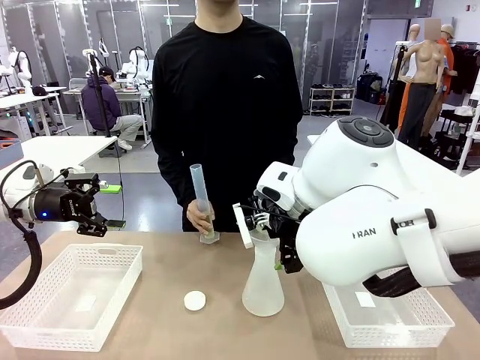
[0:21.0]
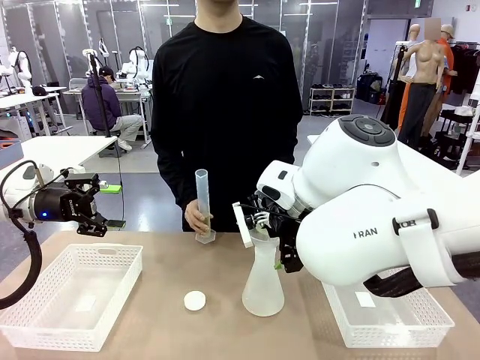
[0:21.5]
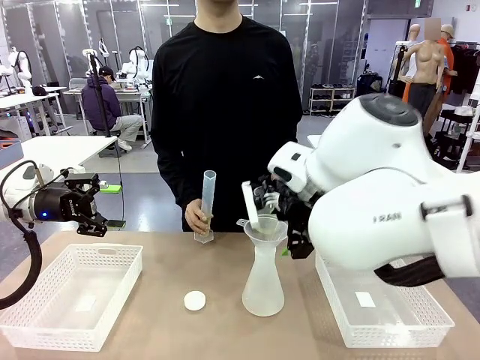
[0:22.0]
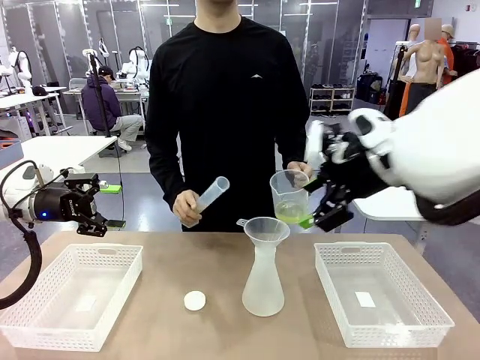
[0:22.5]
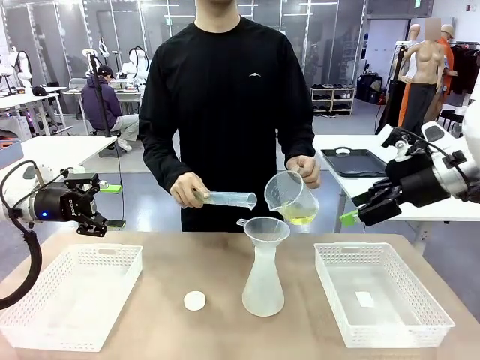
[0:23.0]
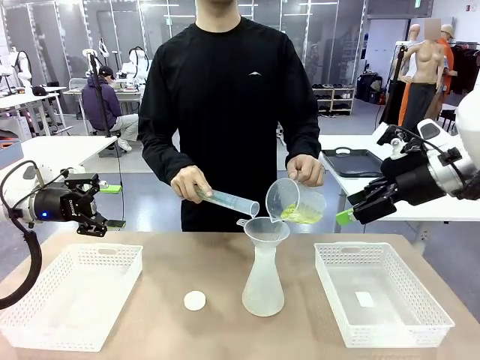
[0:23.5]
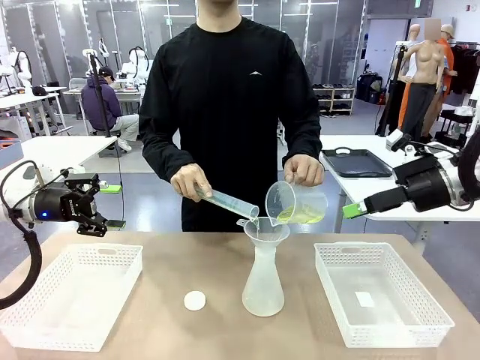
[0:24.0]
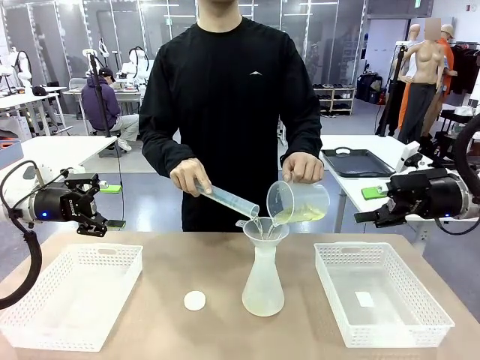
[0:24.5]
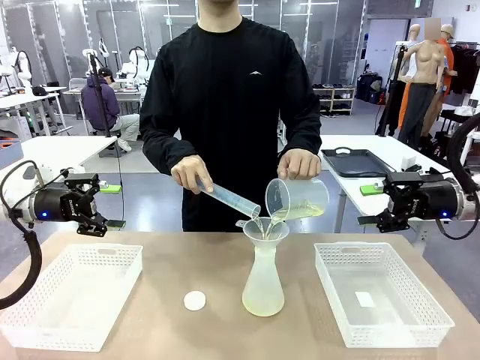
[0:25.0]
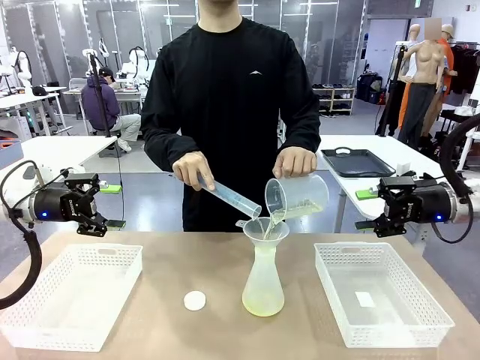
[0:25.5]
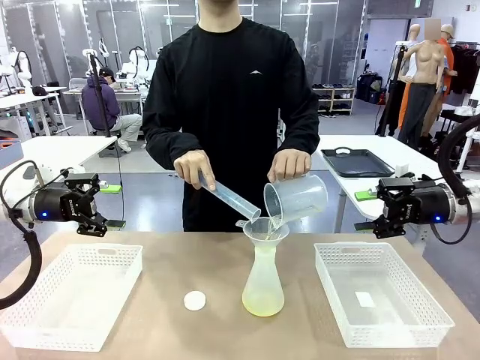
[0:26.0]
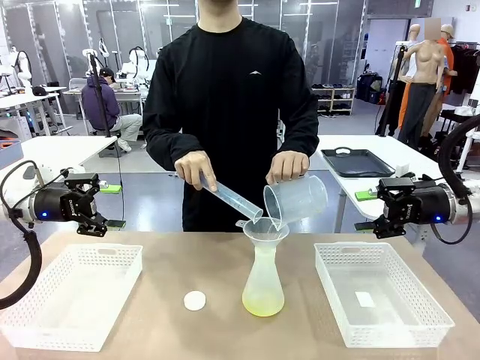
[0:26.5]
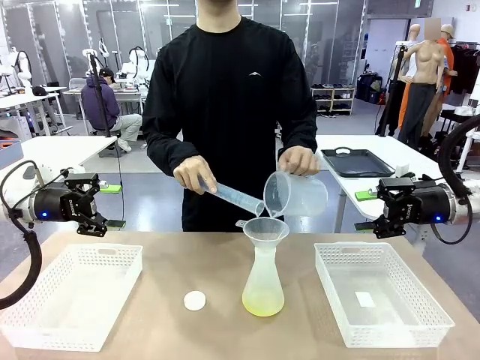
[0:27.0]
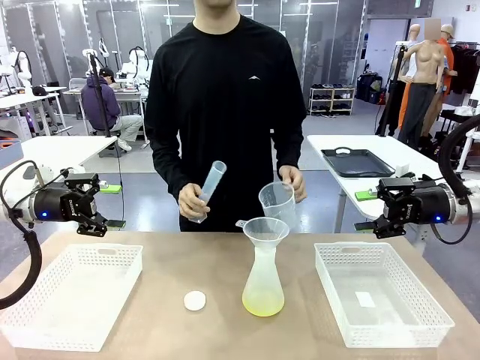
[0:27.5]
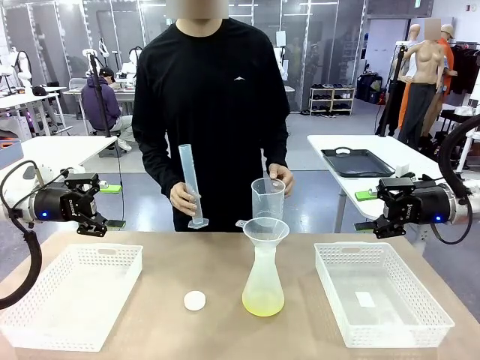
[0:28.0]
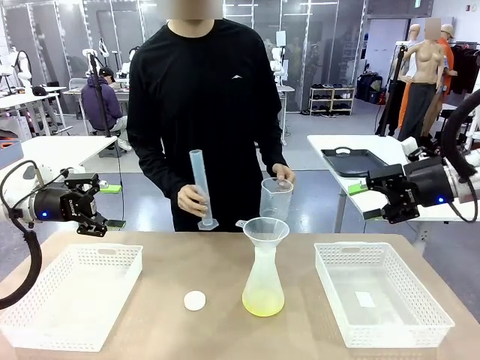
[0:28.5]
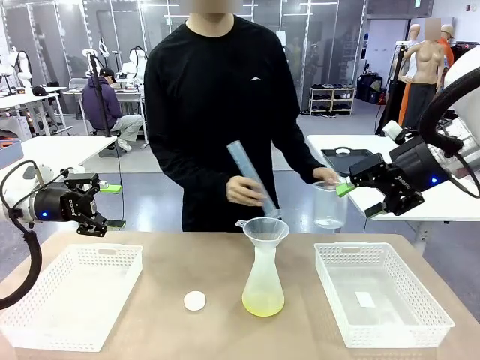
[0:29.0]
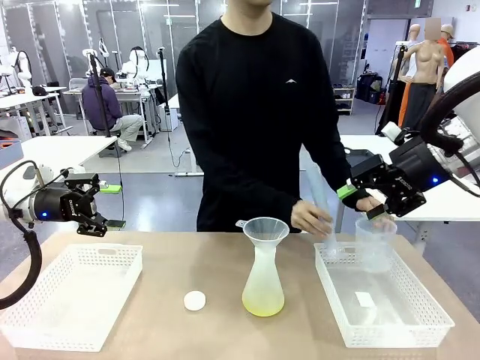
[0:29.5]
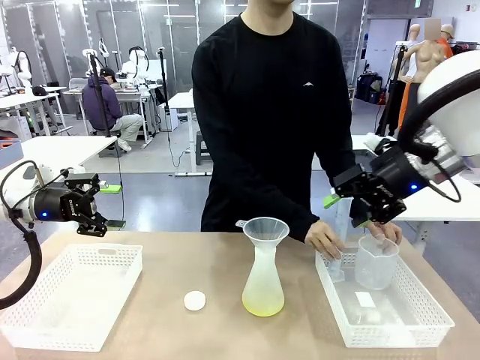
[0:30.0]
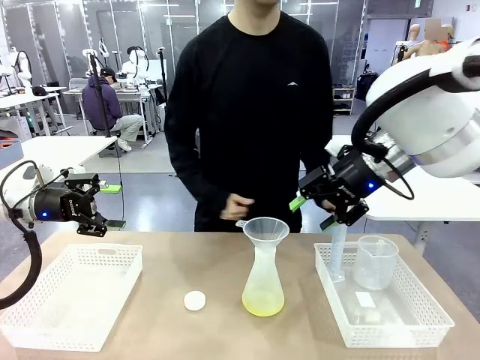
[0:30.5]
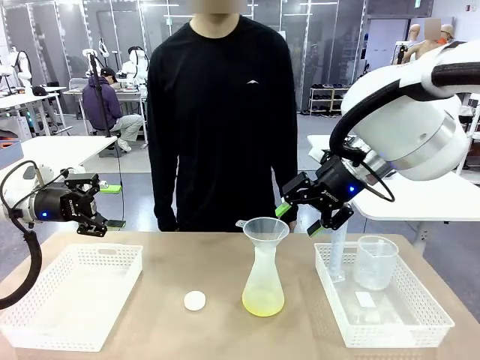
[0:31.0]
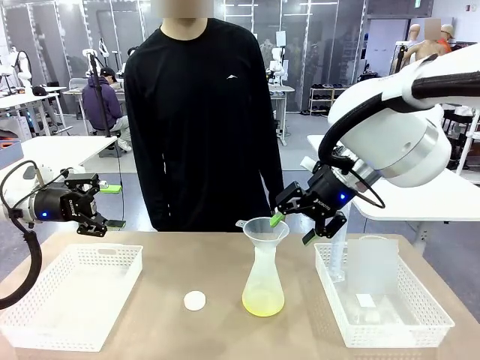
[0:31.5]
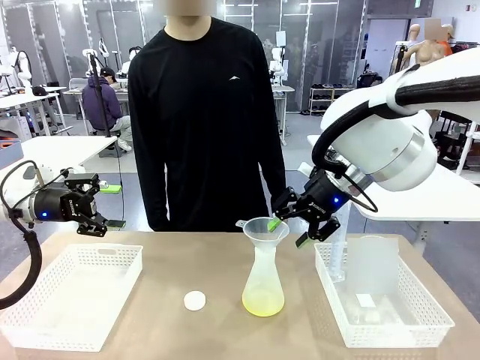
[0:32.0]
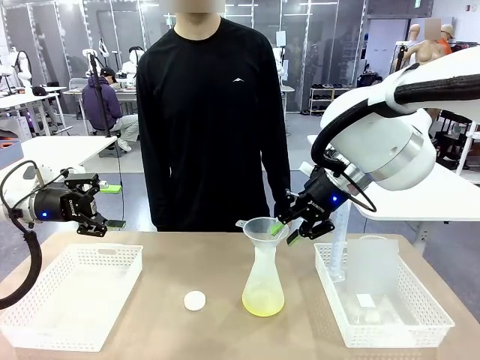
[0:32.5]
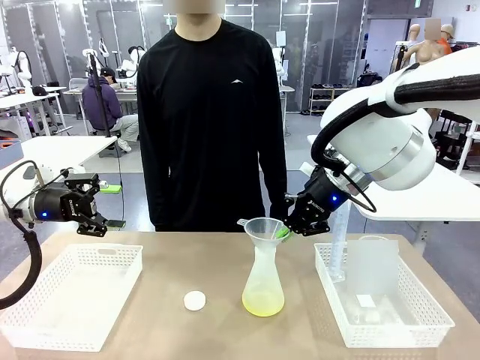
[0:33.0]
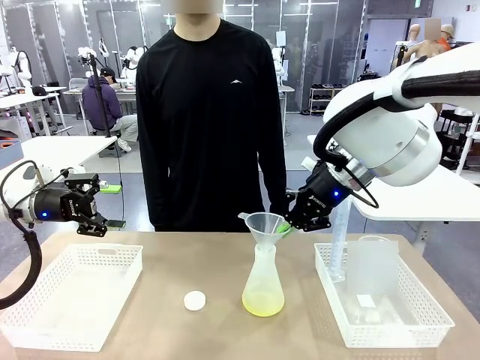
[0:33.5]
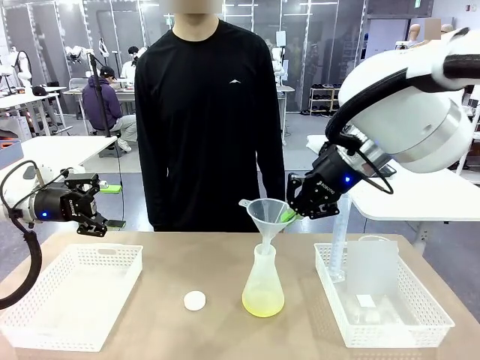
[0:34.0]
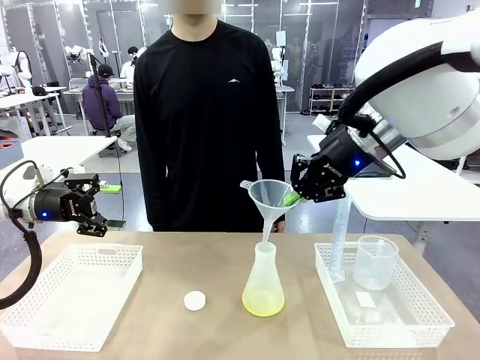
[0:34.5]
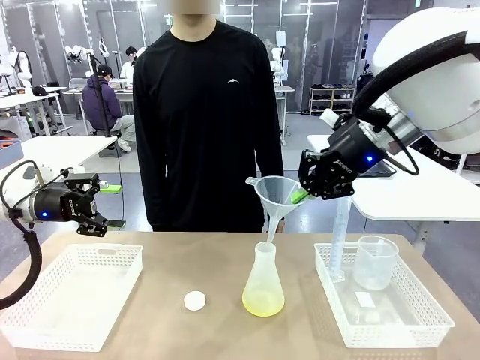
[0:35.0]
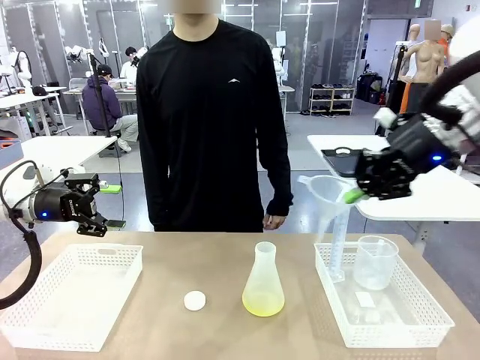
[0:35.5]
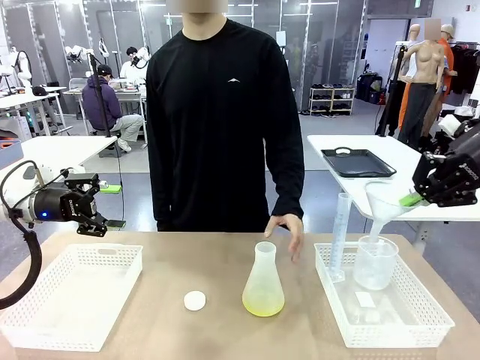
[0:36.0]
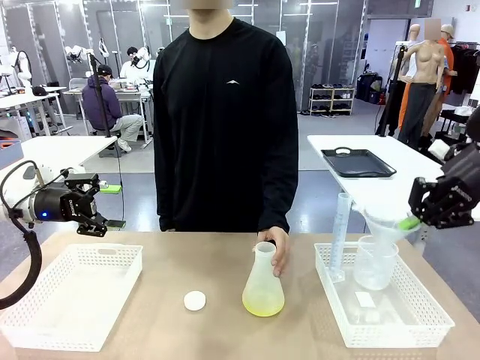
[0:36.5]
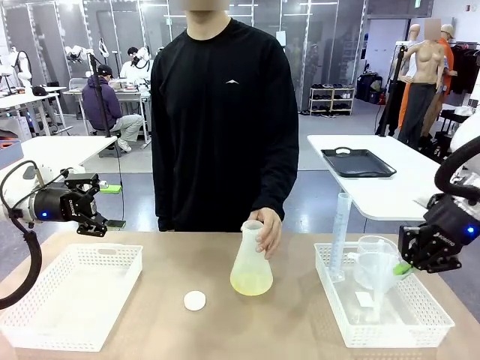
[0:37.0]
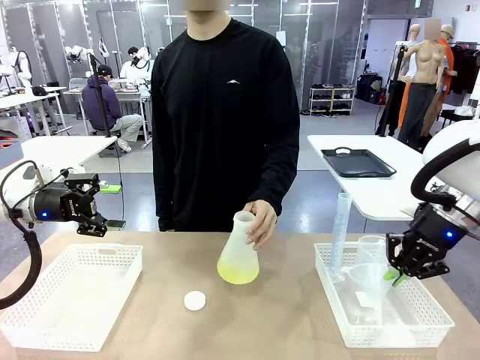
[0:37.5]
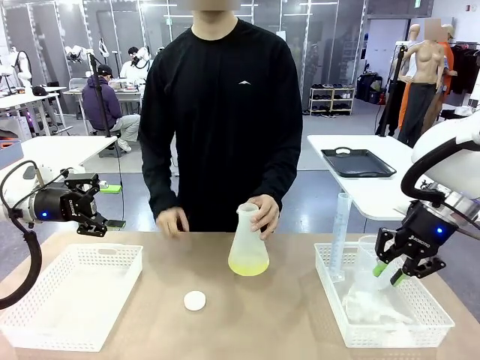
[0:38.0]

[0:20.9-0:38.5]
Task: Prepare the solutions needed for the experiment.
Robot: Once the solution is in the Big flask , pick up the Plastic Funnel and place it back into the right Organizing basket.
Person: Place the beaker and the cylinder into the organizing basket on the left side. Pick up the flask, gently shake it 2–3 times, place it in the middle of the robot table, and close the lid.

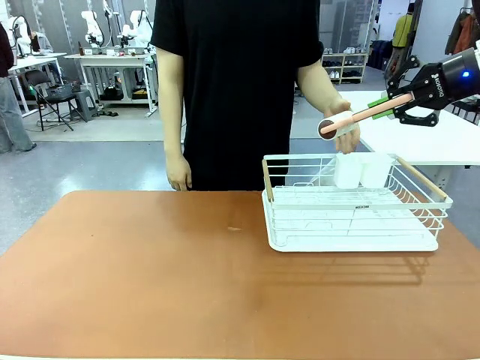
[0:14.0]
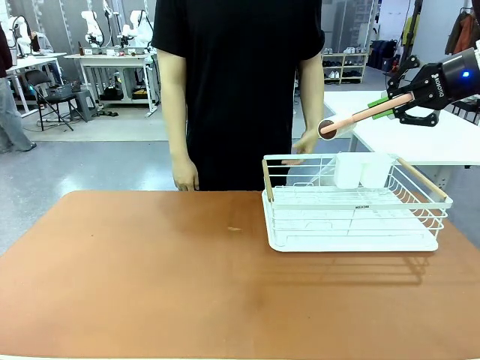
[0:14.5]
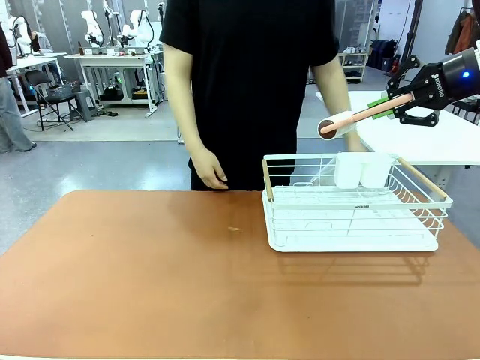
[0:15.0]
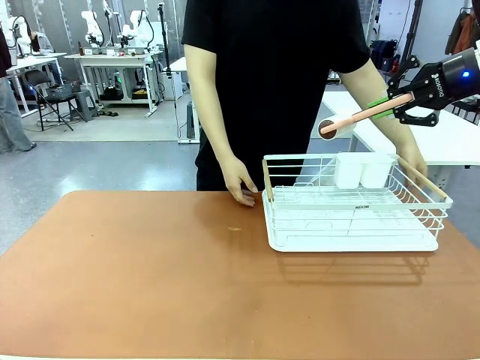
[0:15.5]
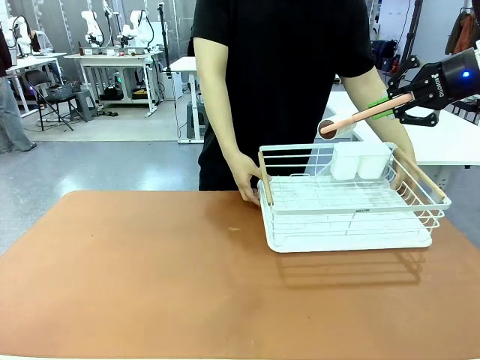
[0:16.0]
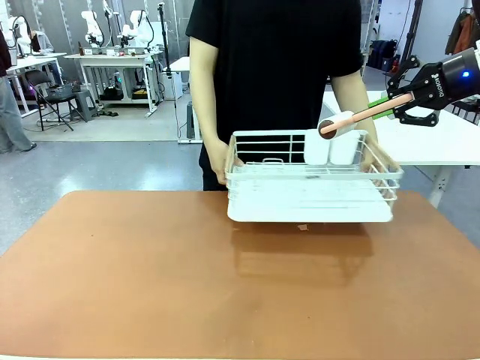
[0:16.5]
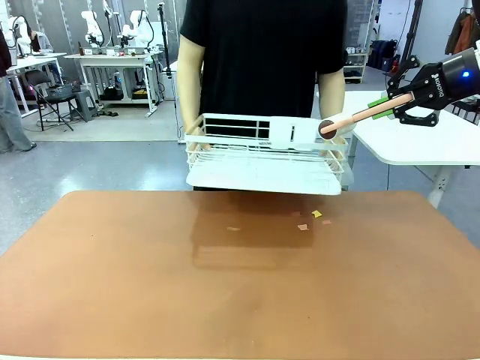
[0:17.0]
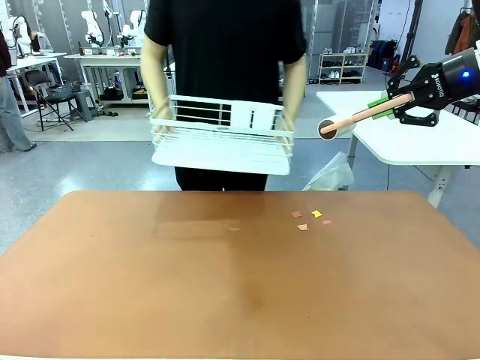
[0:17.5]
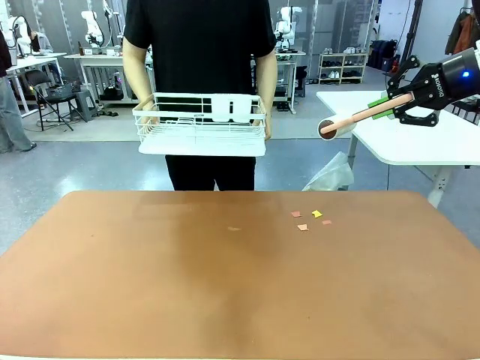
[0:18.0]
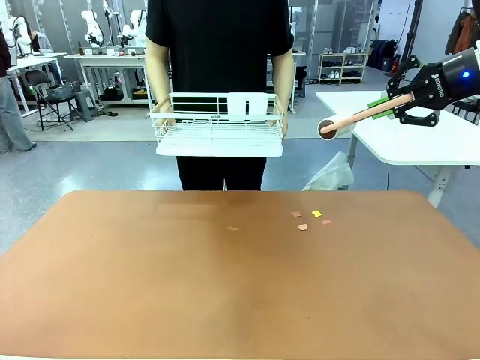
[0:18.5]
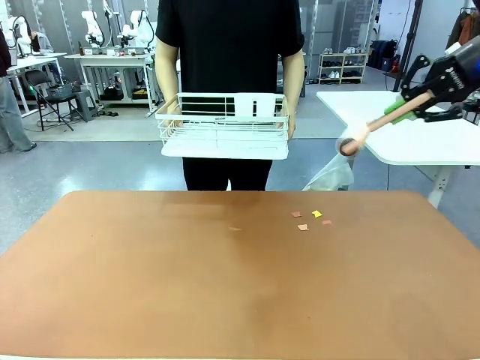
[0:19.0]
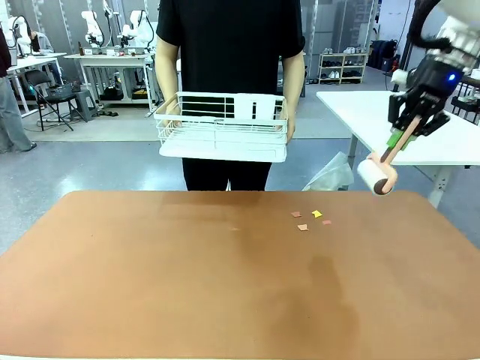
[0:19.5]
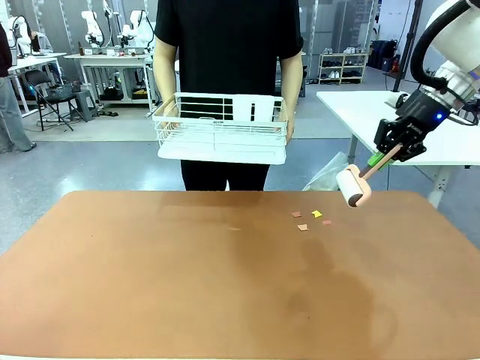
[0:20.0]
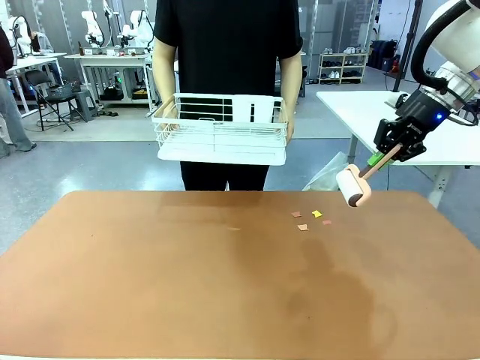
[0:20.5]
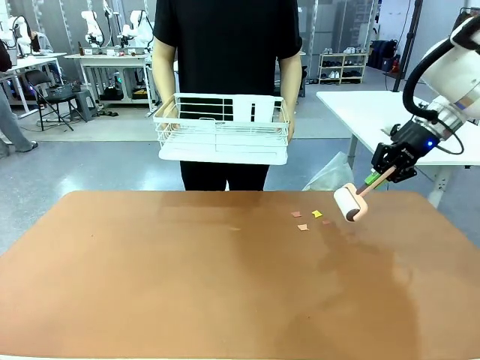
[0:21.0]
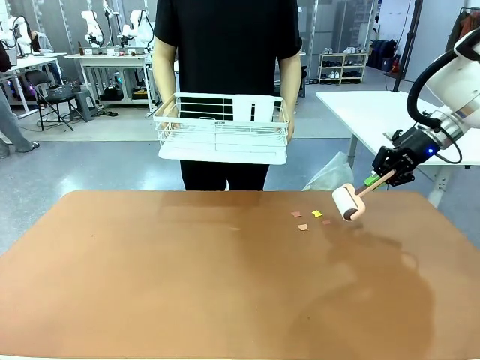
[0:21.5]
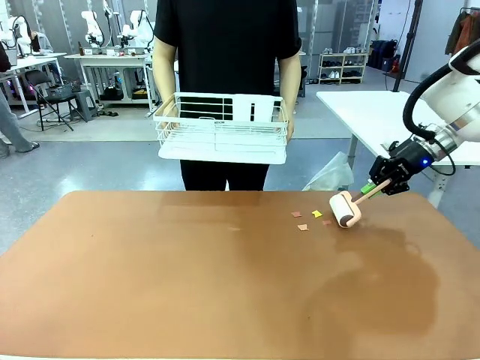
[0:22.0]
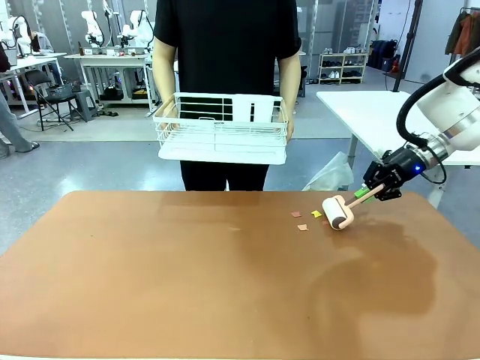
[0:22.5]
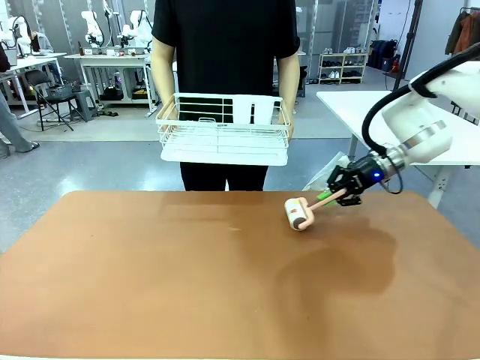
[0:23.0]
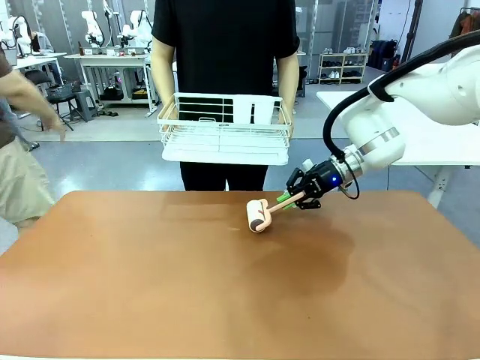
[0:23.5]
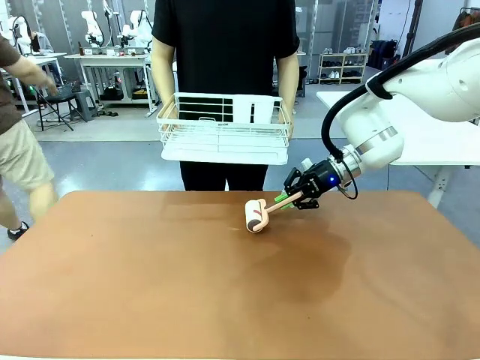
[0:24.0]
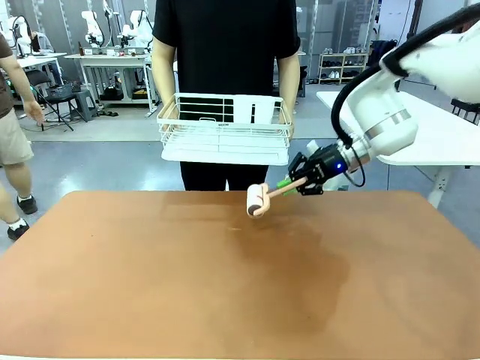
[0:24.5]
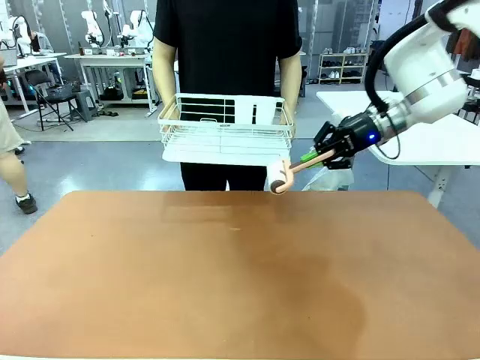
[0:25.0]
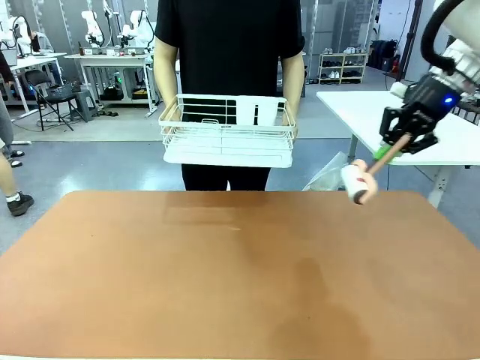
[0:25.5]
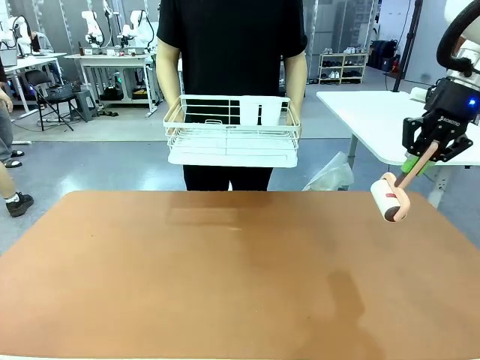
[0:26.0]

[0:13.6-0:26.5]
Task: Clean the table.
Robot: Clean the table with the Lint Roller when the human lifts the Dish drying rack.
